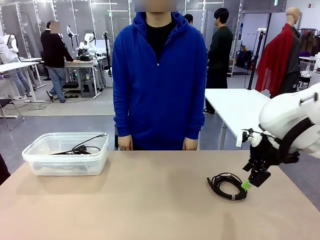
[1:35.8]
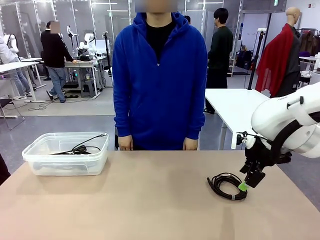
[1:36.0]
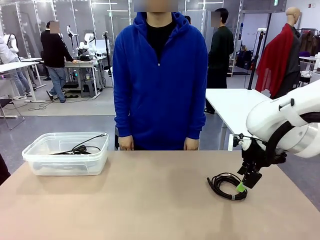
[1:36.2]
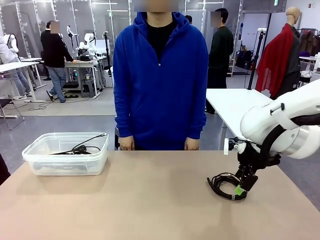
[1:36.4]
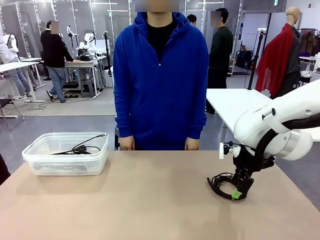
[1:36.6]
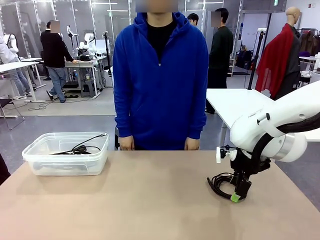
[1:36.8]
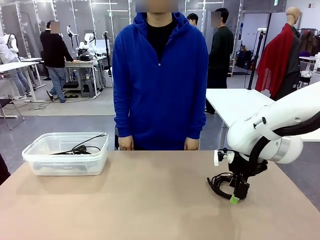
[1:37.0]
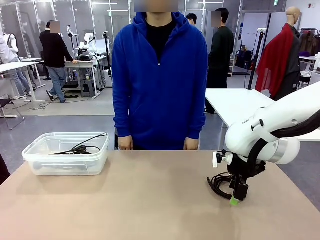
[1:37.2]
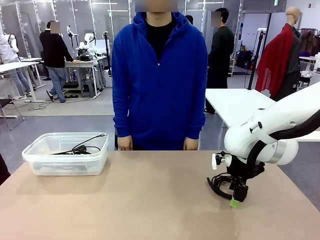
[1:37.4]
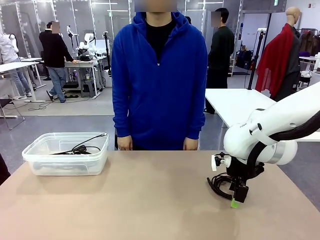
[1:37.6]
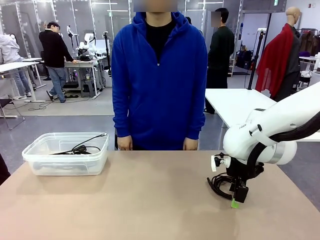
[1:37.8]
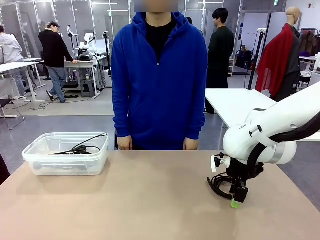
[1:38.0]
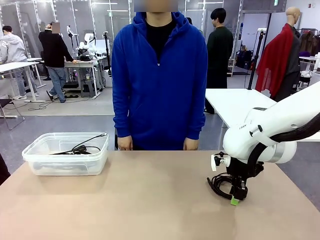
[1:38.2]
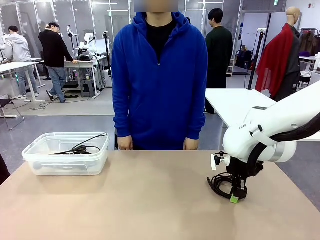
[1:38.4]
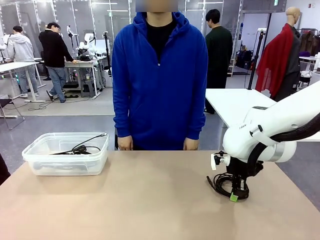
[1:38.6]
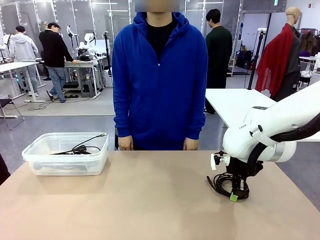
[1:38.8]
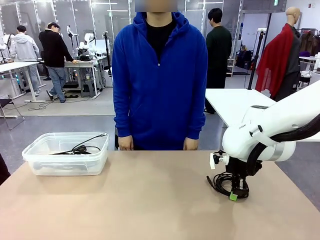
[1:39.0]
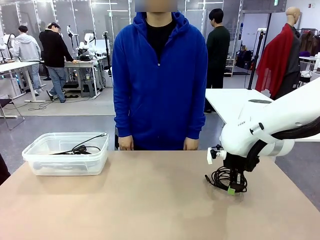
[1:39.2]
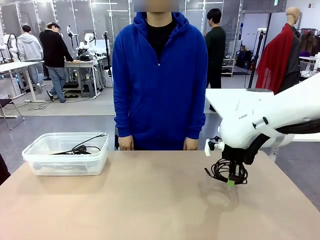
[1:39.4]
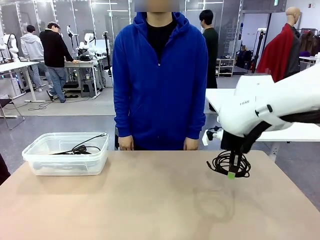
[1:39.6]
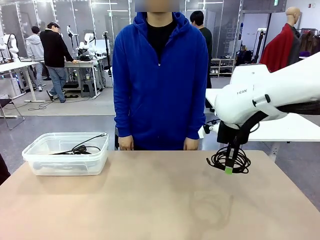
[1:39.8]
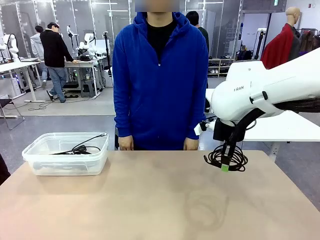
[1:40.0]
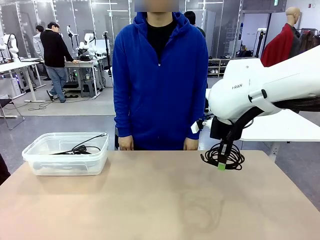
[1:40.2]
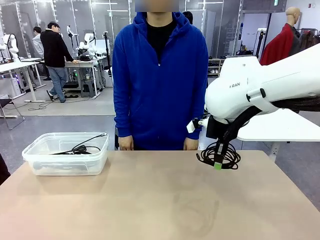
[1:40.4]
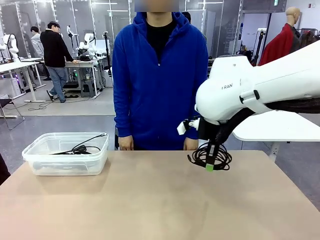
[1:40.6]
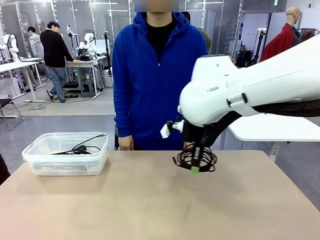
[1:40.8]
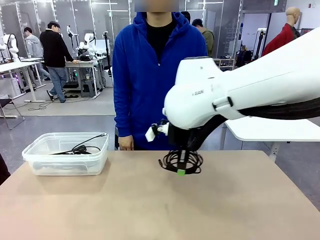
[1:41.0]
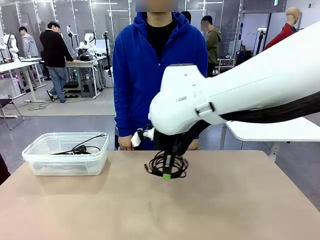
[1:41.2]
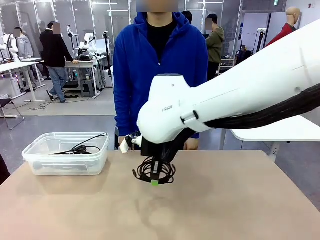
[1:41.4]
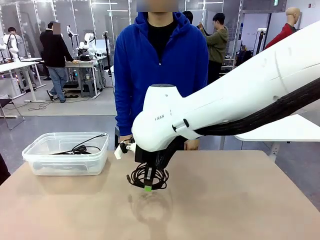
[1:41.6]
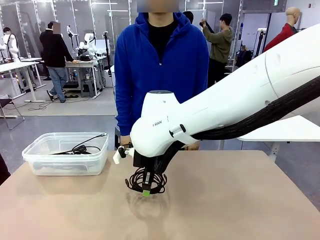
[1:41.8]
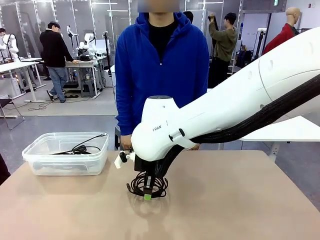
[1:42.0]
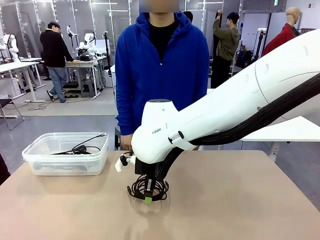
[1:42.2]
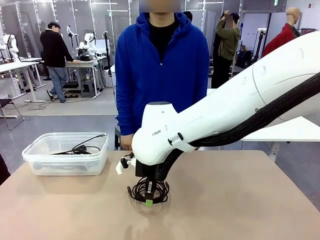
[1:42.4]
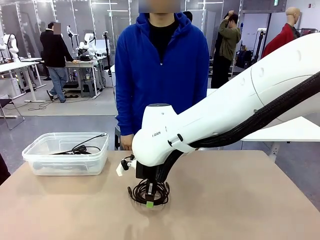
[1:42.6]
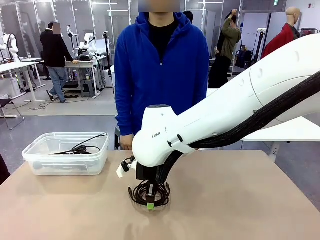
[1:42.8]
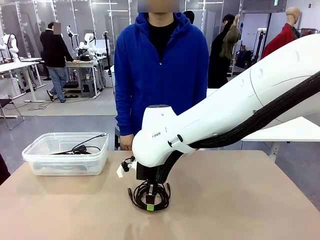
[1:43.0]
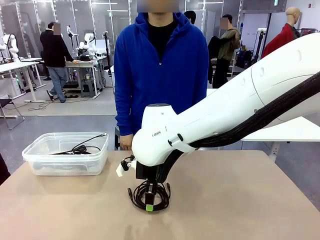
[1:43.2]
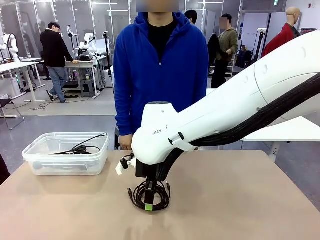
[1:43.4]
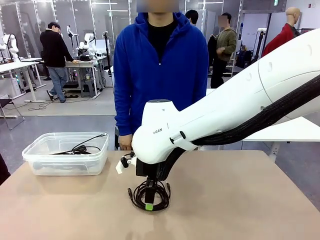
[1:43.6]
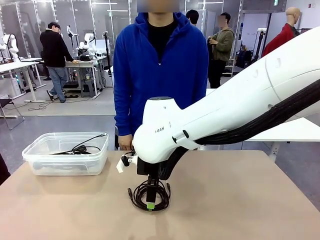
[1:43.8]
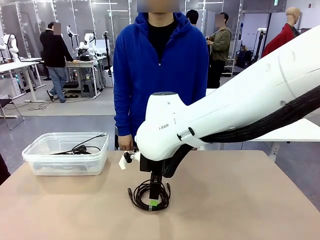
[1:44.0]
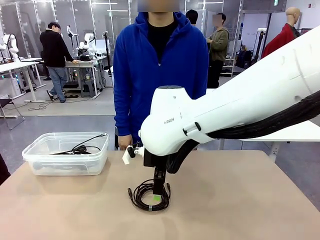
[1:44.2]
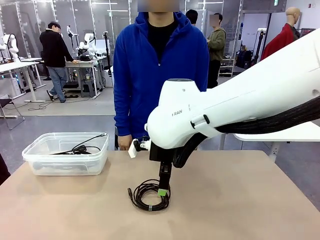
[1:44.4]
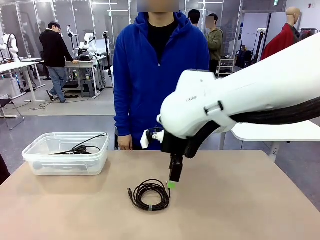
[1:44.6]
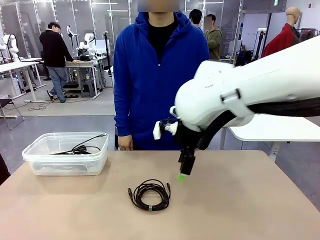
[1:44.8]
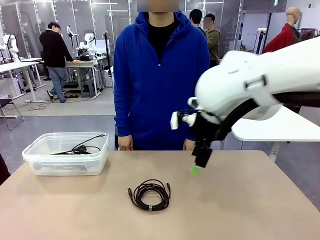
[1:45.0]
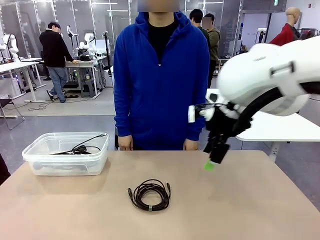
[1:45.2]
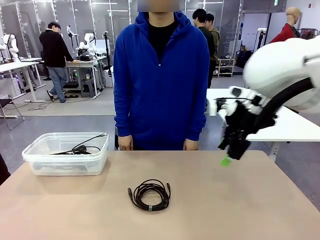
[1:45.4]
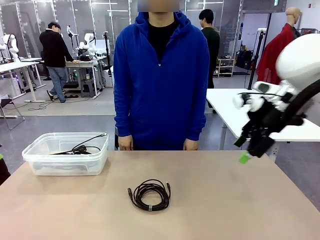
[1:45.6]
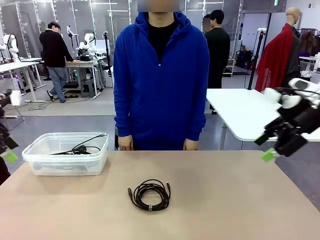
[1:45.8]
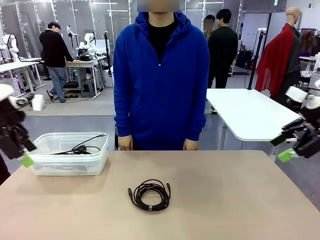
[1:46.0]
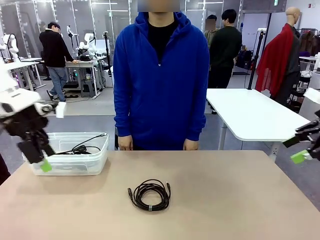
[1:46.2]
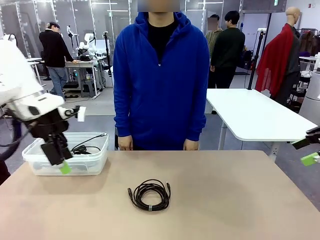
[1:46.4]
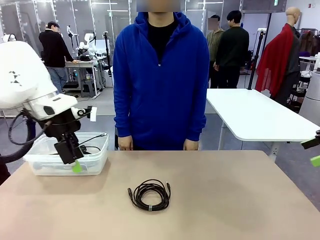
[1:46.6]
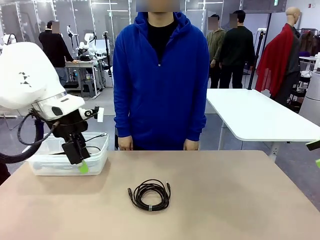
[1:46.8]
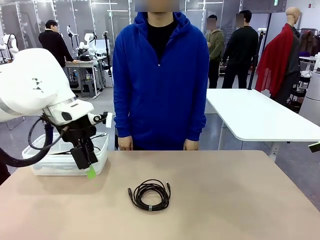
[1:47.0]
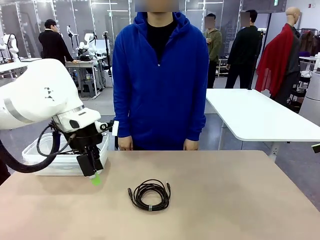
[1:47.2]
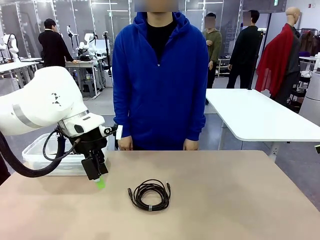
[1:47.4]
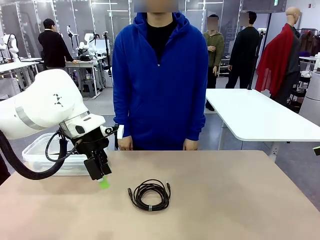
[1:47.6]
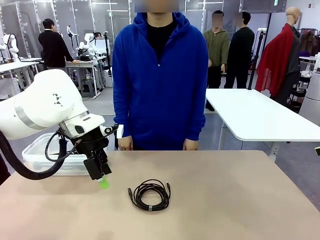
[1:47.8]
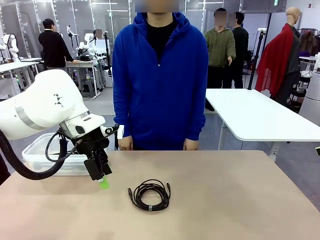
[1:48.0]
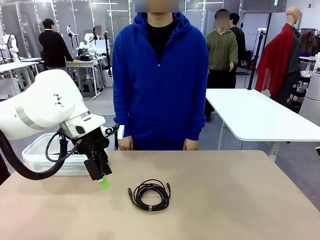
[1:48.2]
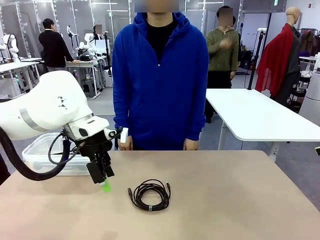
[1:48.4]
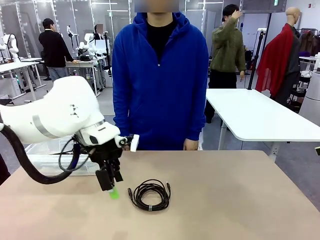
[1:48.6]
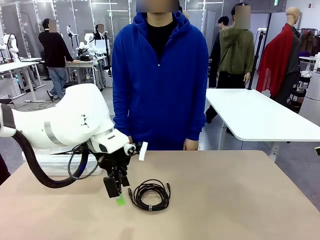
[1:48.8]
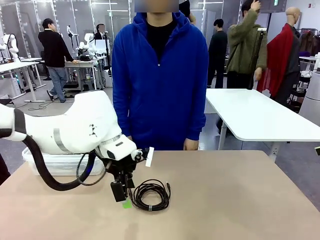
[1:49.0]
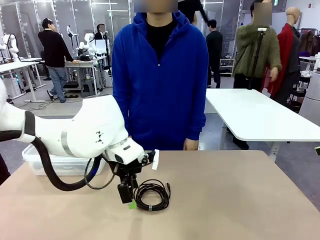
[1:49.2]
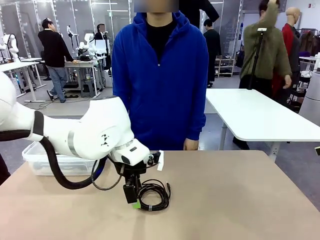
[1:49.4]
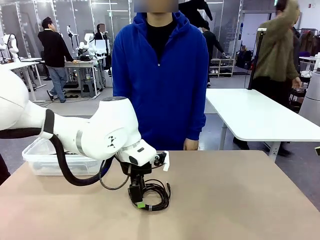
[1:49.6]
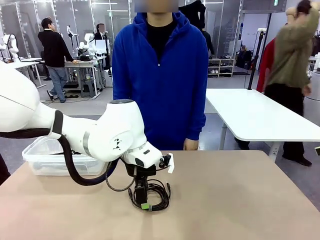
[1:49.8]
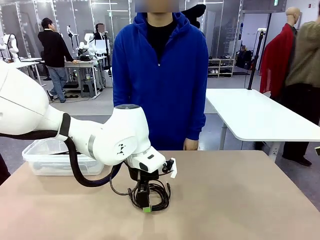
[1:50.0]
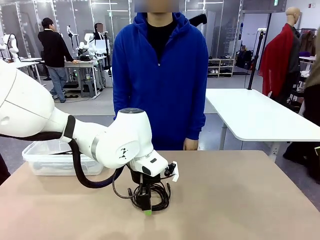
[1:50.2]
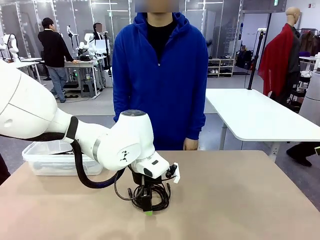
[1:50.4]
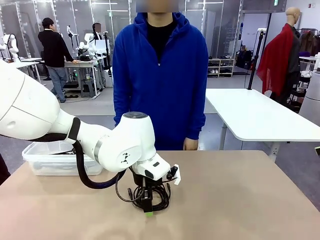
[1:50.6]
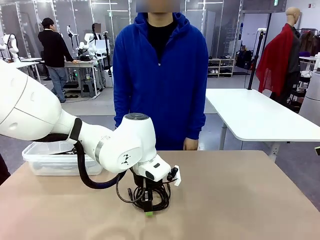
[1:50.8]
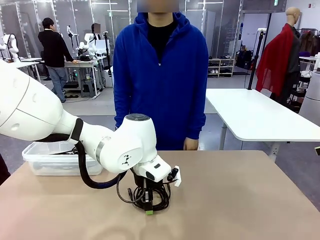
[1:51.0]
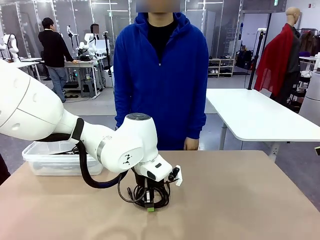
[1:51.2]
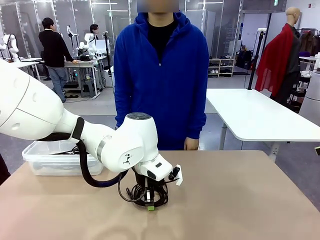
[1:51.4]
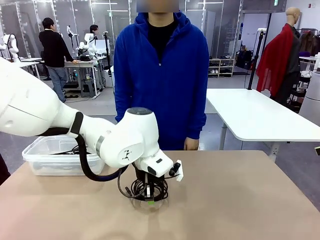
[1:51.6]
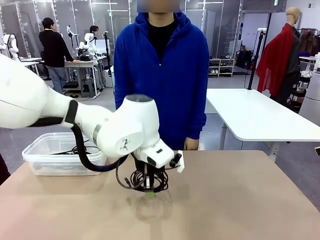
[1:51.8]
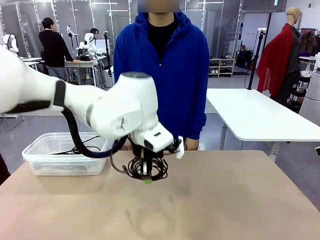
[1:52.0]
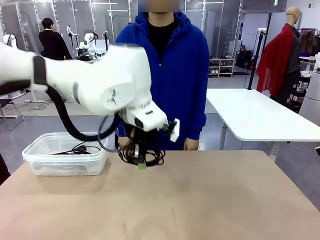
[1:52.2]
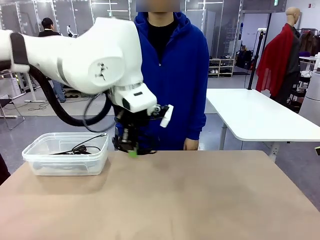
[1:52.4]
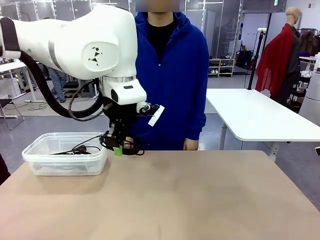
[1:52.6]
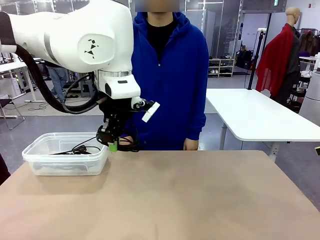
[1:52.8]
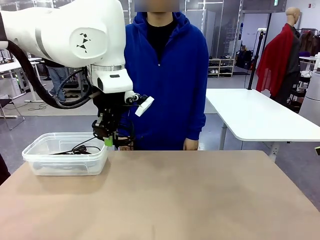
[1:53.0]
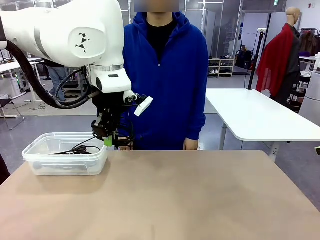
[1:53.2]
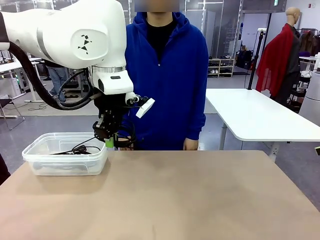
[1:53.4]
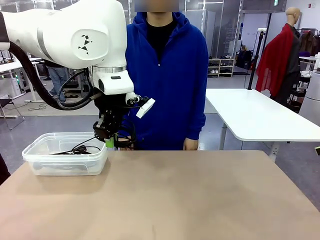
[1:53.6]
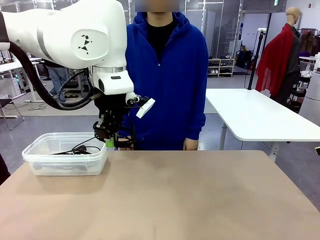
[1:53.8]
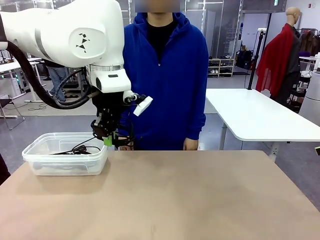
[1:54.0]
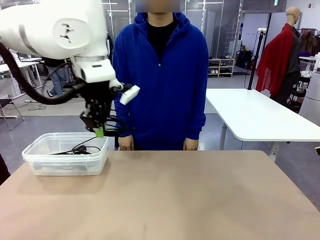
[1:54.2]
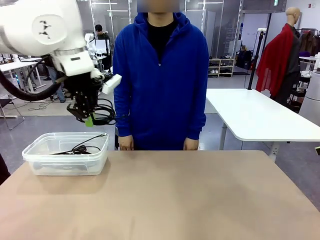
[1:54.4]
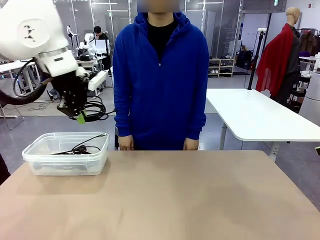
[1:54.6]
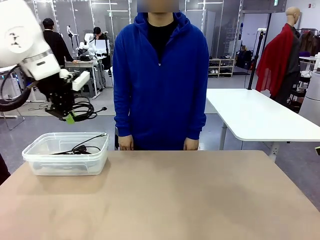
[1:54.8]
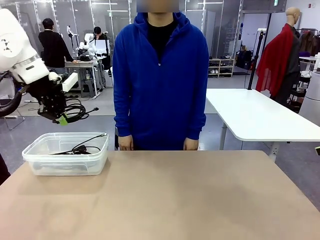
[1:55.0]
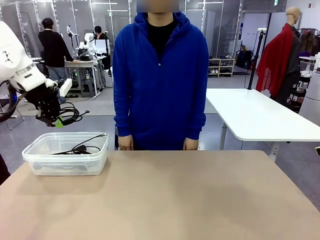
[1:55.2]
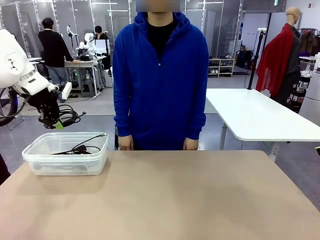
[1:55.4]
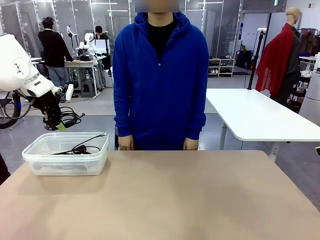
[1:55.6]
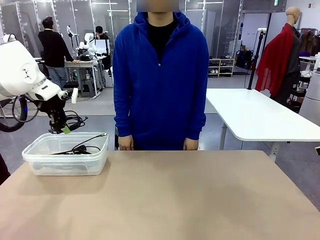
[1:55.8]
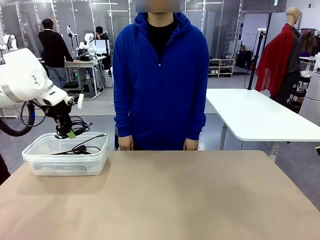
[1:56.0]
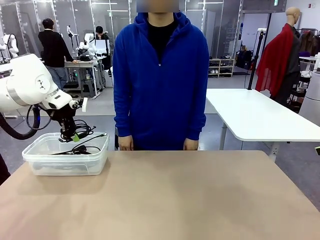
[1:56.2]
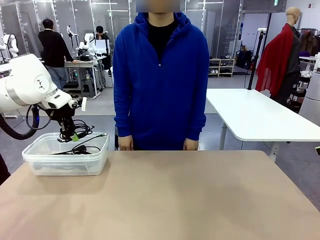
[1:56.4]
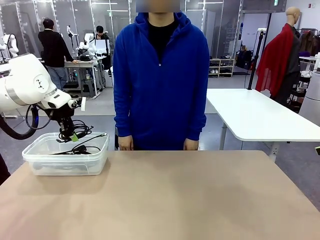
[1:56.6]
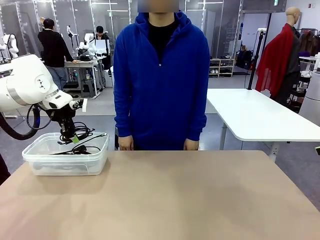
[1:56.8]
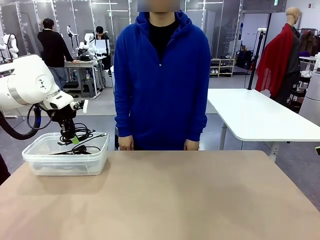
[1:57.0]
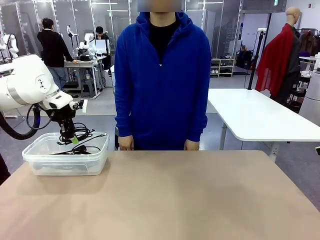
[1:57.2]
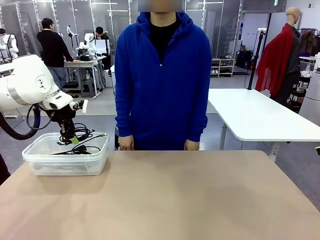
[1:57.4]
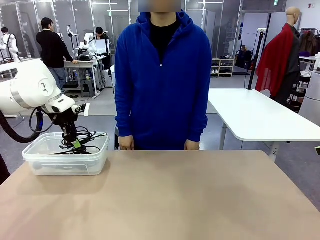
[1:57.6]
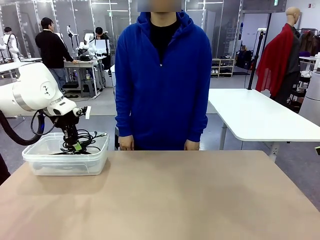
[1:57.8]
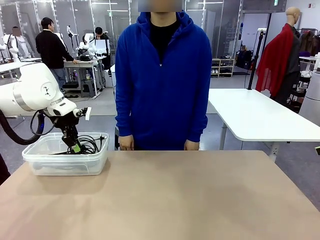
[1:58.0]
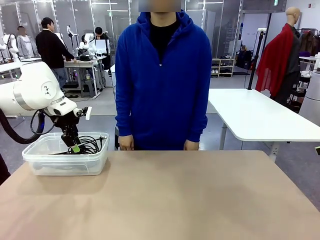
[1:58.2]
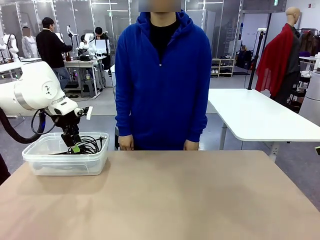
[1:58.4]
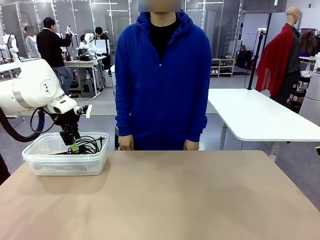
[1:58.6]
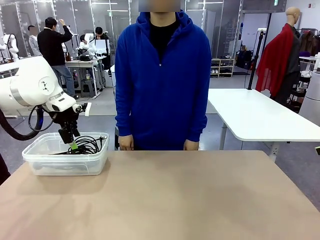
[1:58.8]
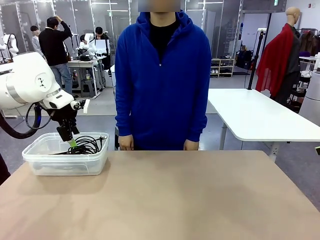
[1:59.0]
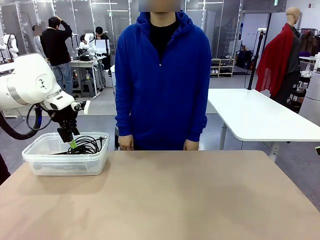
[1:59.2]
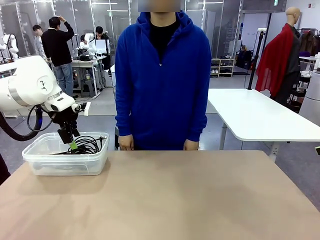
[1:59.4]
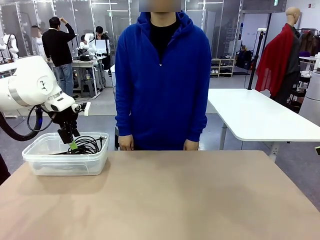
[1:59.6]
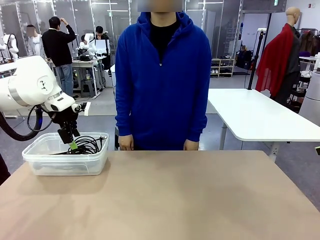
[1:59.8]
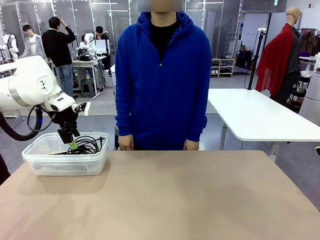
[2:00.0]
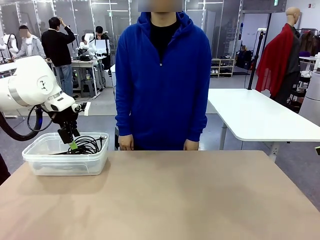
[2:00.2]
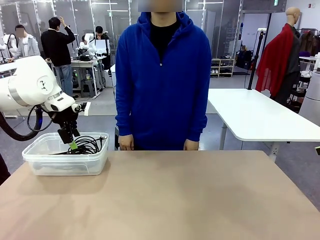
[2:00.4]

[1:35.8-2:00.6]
Task: Organize and store the cables.
Robot: Place the USB Extension Cable into the Organizing box.
